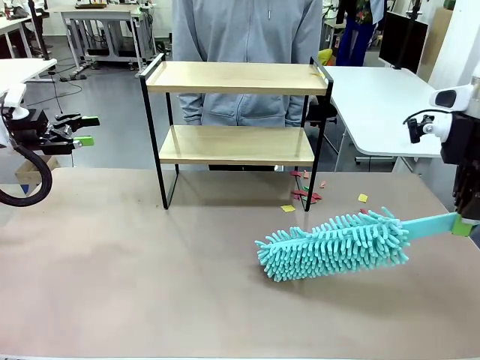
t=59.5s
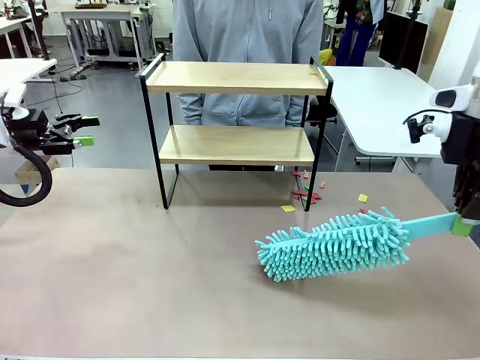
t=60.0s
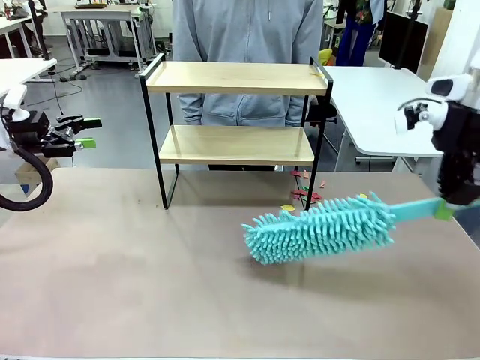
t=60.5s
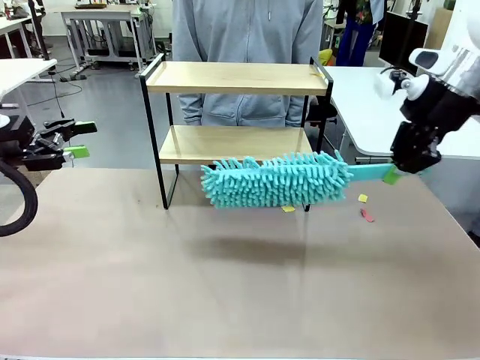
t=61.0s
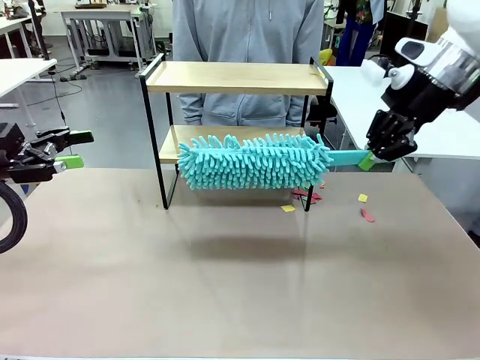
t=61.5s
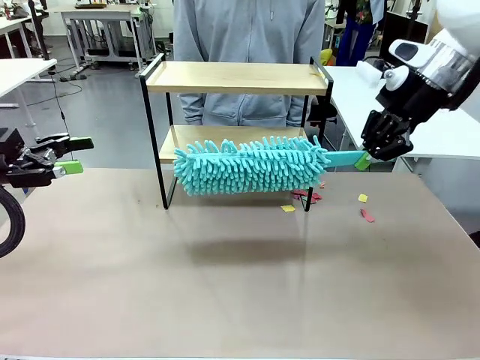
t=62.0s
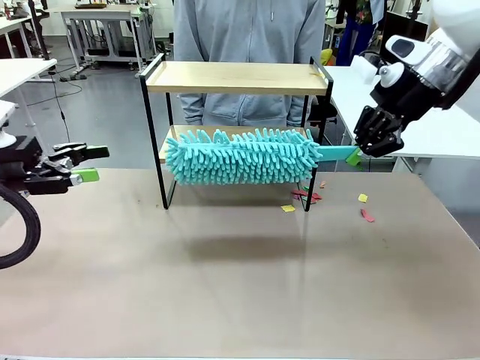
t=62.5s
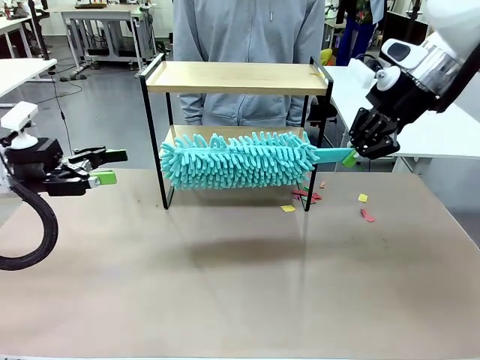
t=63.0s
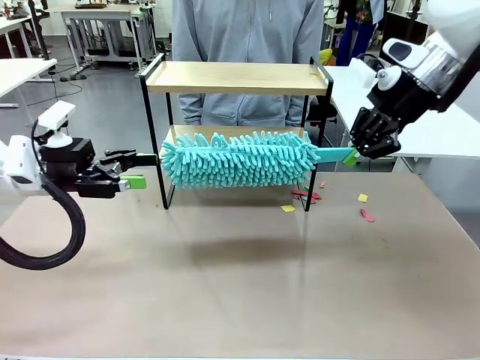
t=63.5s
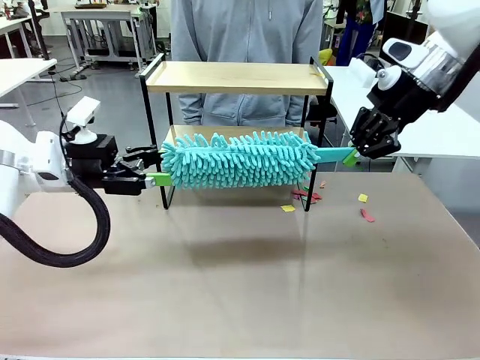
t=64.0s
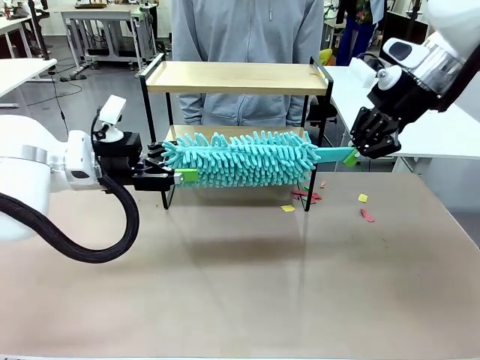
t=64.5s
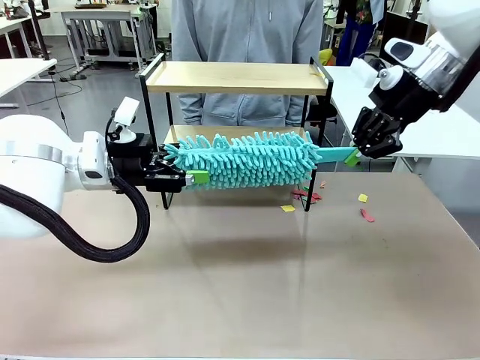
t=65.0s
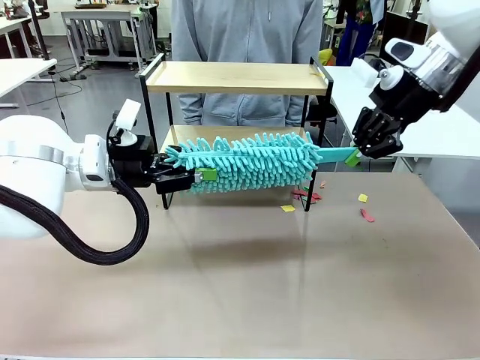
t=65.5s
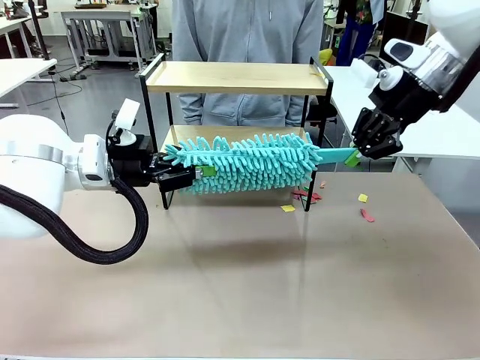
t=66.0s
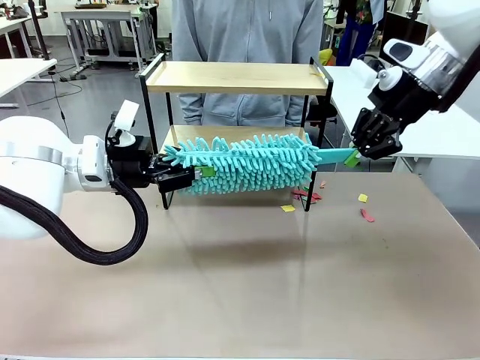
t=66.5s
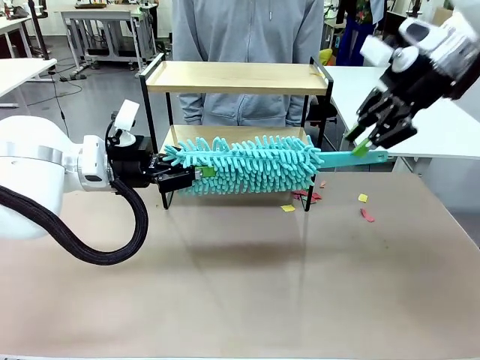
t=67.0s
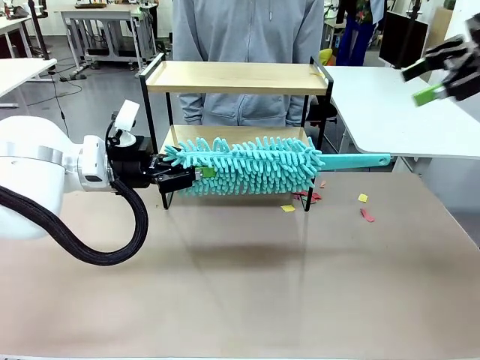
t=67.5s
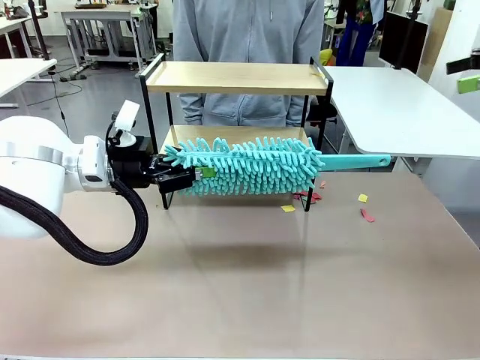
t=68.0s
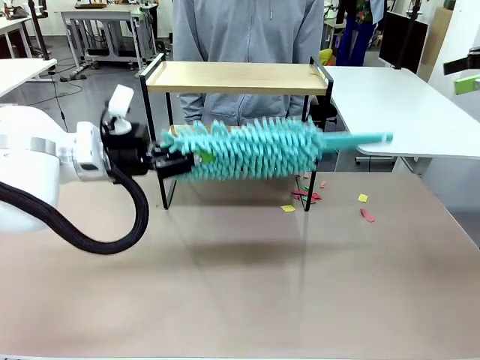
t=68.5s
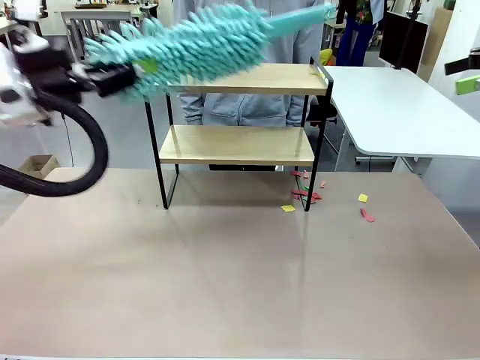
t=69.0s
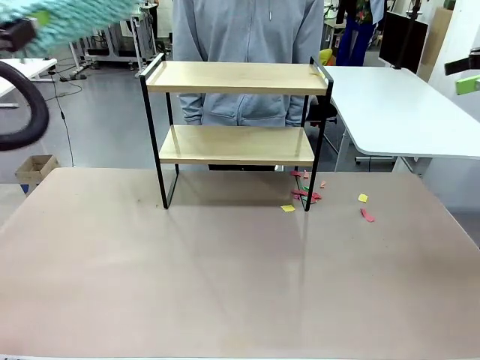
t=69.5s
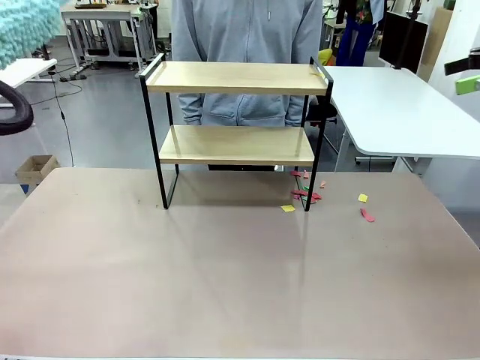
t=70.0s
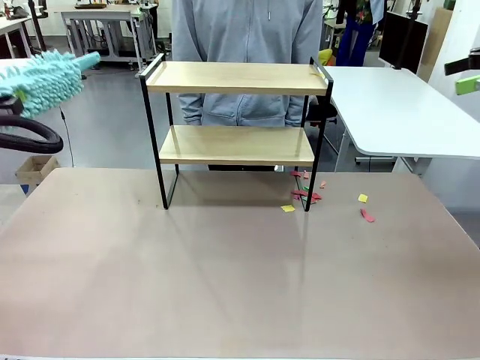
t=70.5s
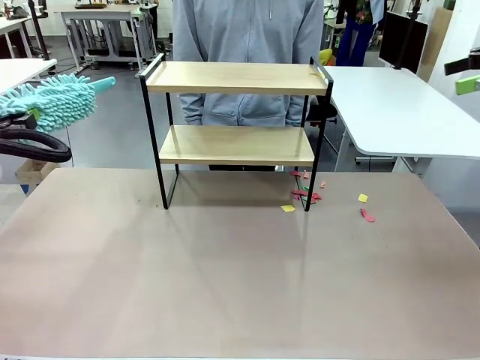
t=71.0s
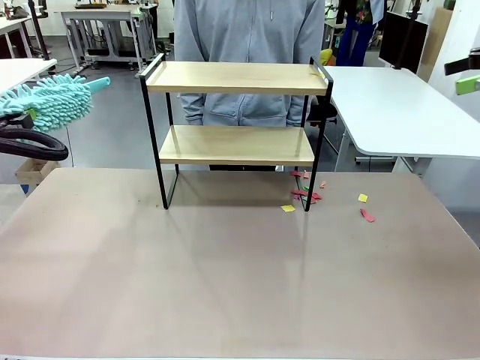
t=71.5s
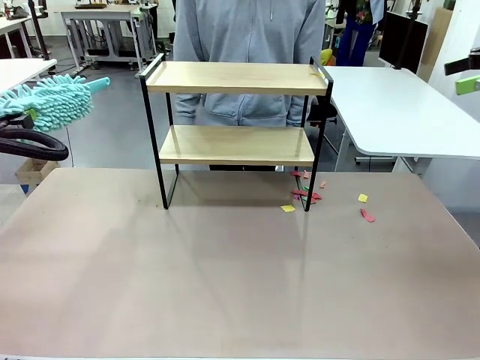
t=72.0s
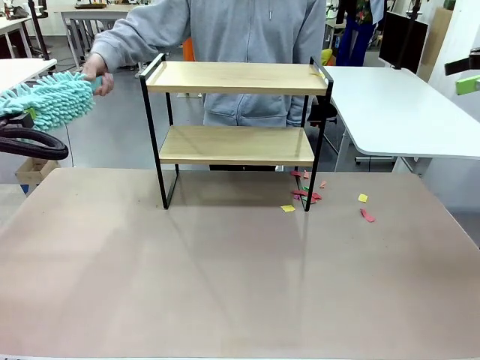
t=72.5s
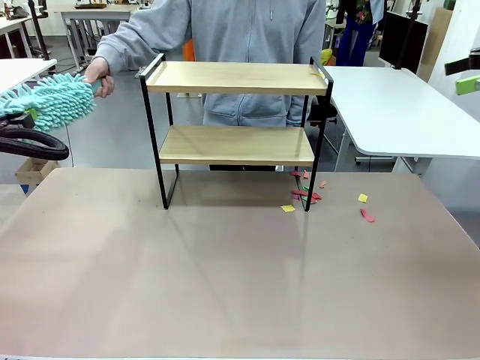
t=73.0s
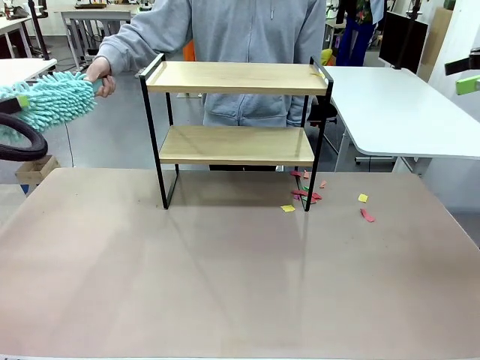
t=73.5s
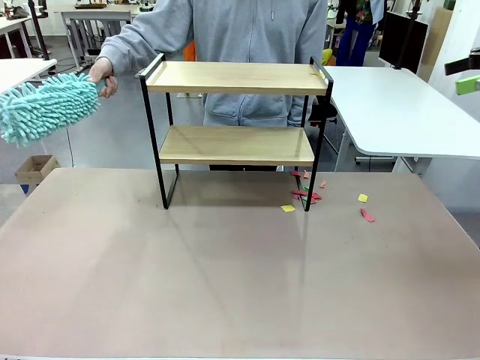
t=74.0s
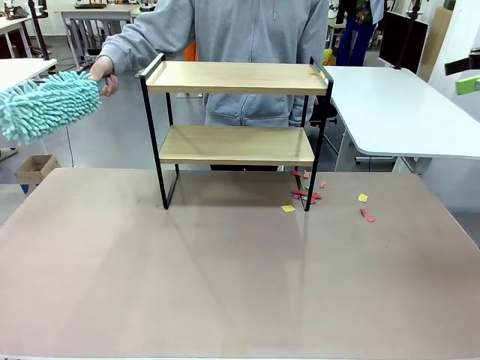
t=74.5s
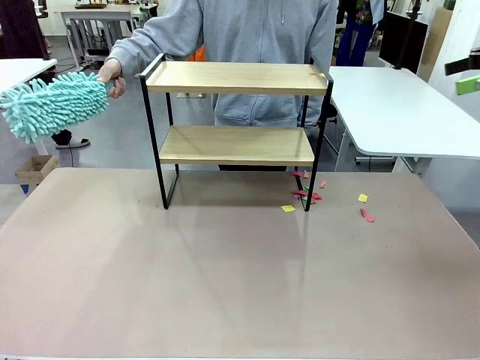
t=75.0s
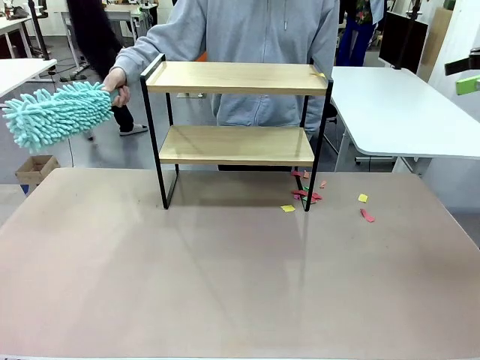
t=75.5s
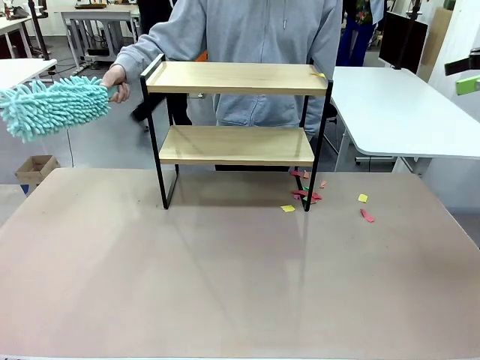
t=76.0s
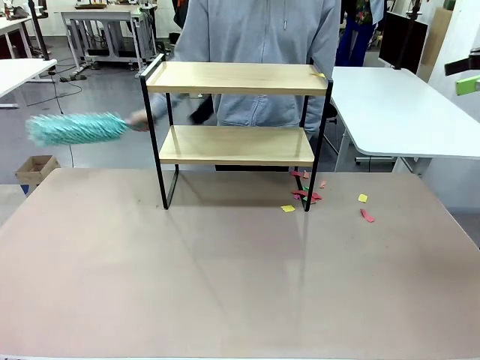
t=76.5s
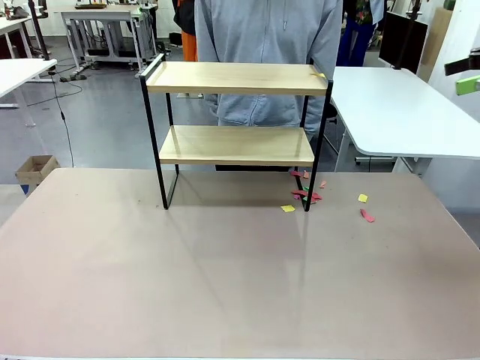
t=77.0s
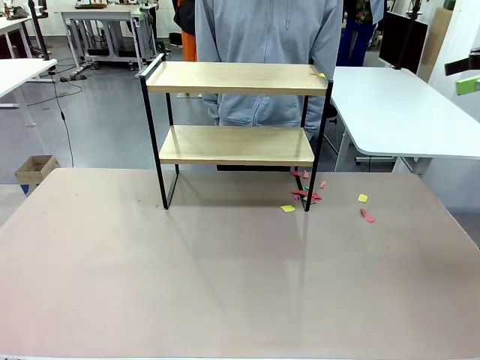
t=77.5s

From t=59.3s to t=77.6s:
Task: Clean the shelf.
Robot: Hand the Duster back to the human.
Person: Receive the Duster from the robot.

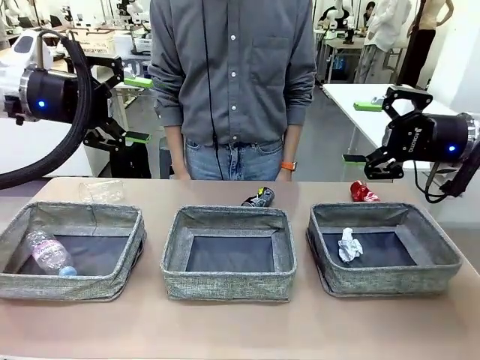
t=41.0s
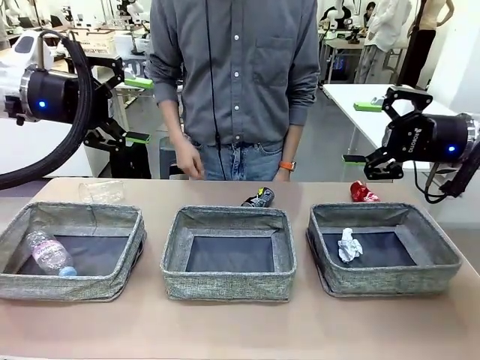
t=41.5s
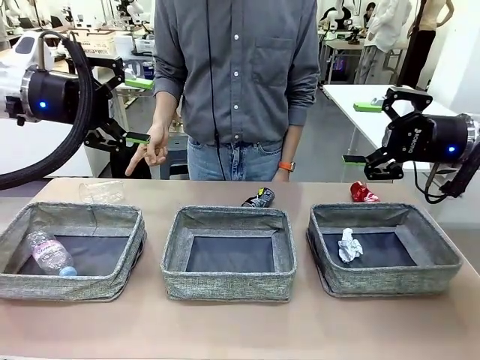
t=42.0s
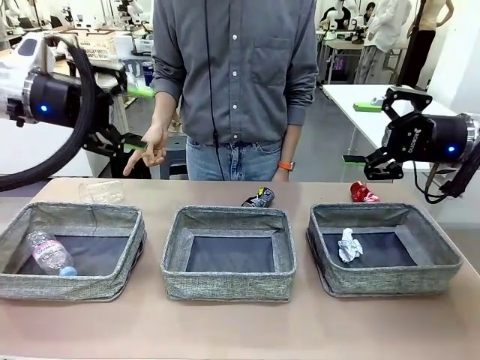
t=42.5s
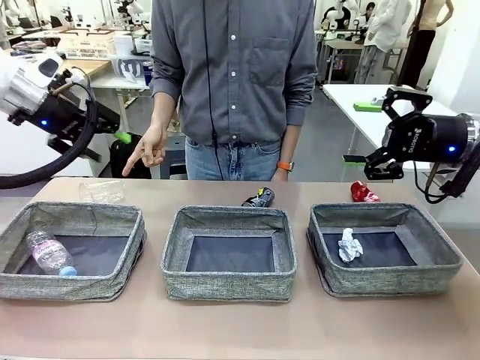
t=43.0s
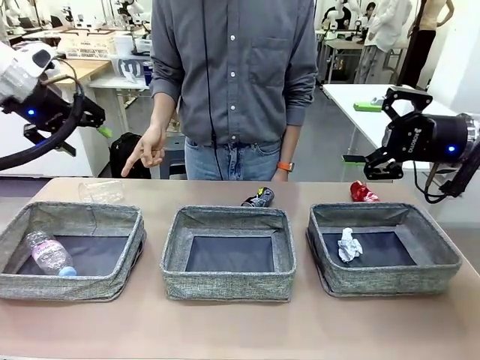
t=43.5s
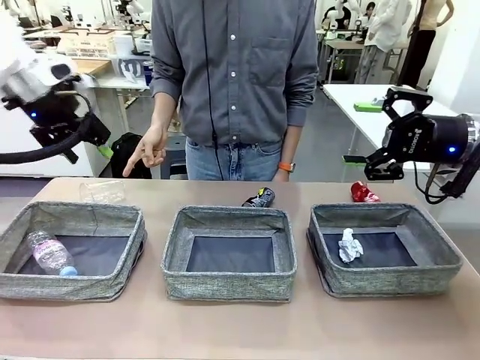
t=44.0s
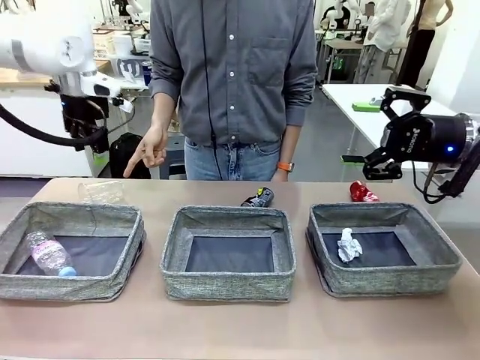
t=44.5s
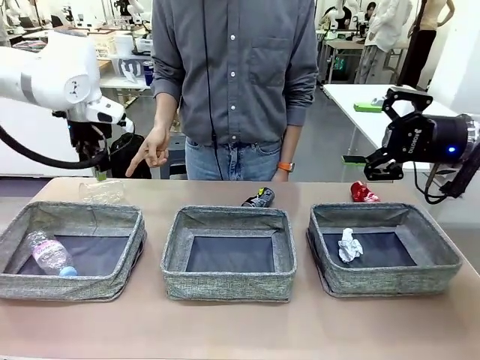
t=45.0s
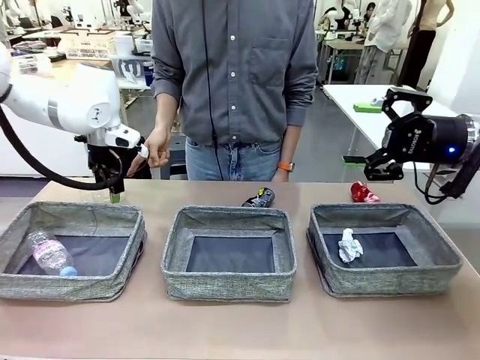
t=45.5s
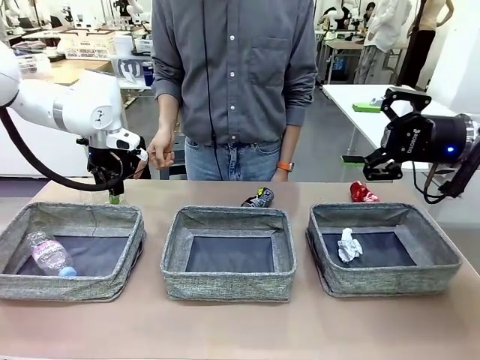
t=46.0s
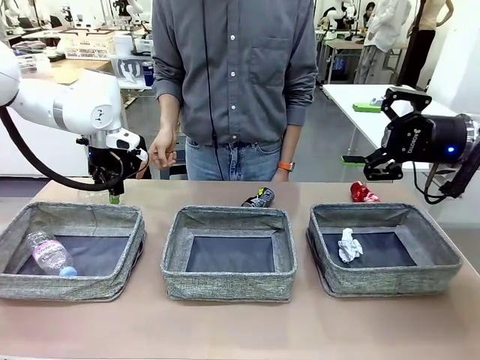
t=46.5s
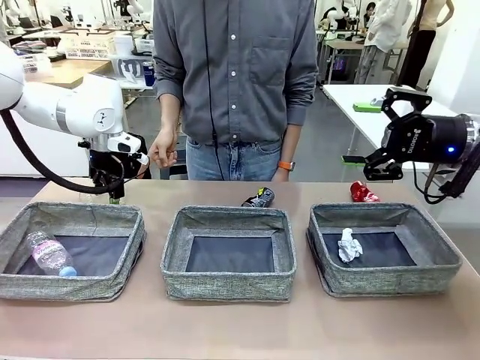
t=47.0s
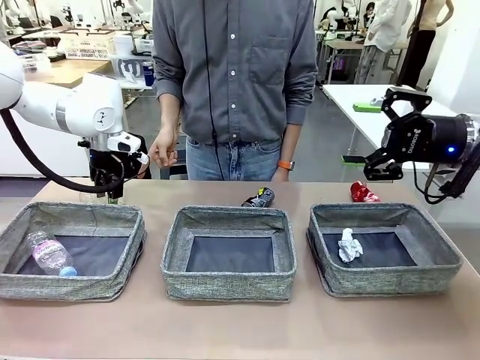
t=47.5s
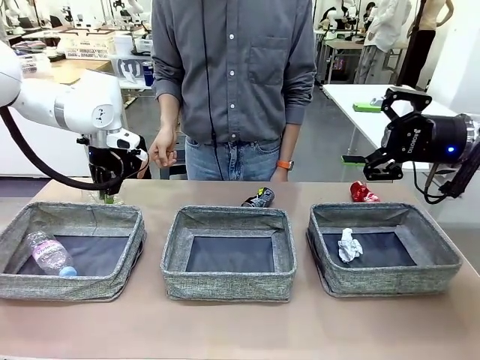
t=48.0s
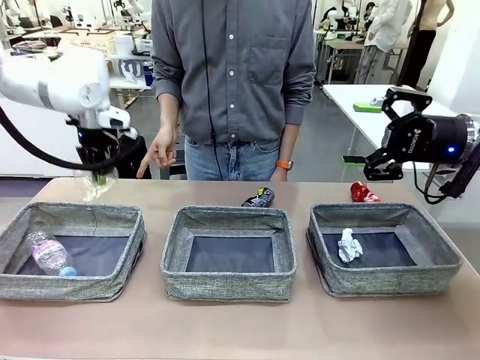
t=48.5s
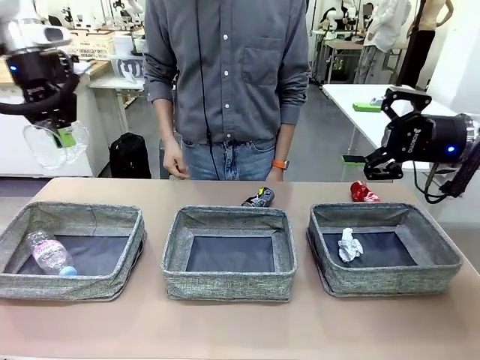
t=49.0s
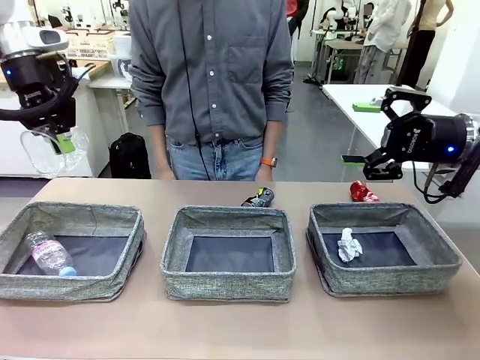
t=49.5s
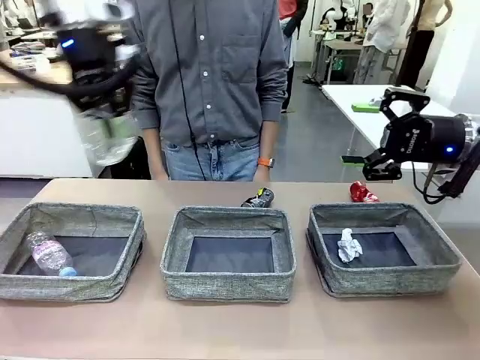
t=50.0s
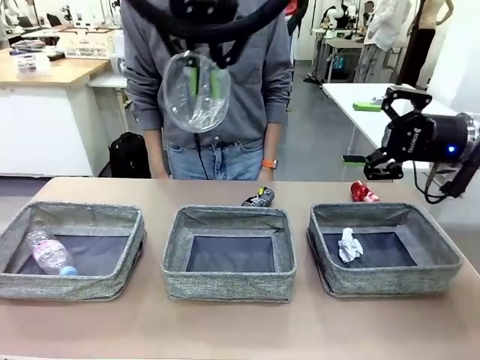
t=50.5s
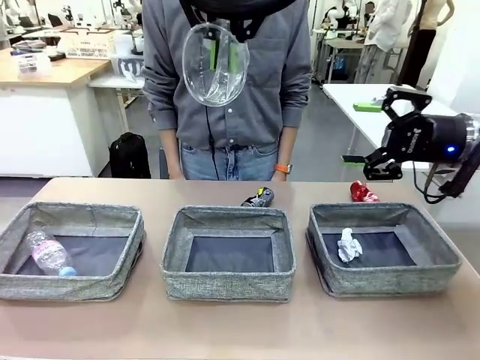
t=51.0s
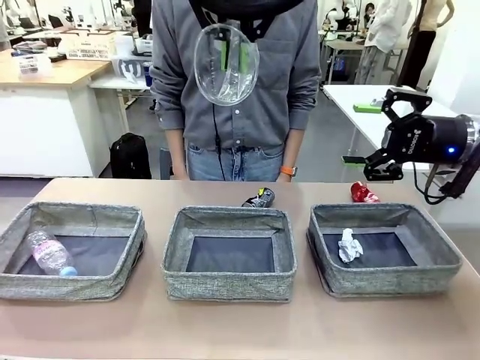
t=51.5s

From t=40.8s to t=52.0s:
Task: Sort the waste into the appropriate baskets.
Robot: Pick up the waste item pointed out by the person.
Person: Points to one piece of trash on the table.
